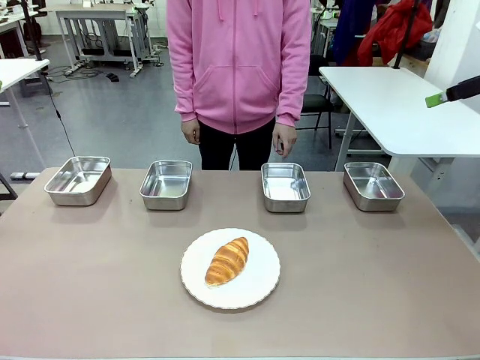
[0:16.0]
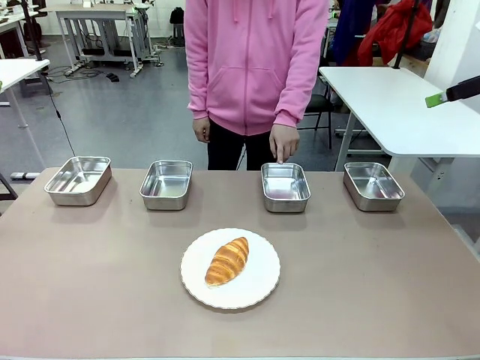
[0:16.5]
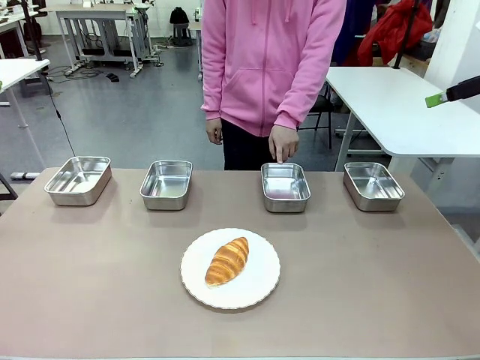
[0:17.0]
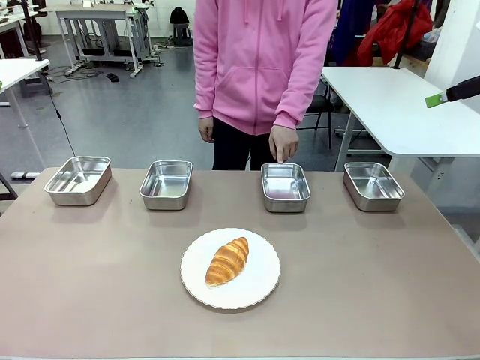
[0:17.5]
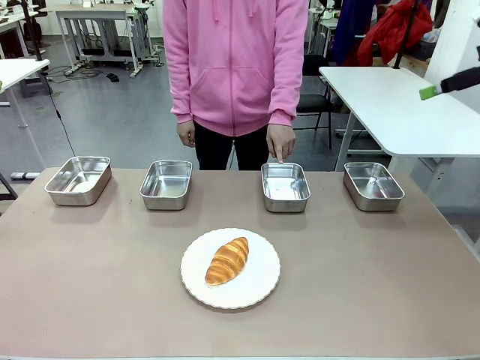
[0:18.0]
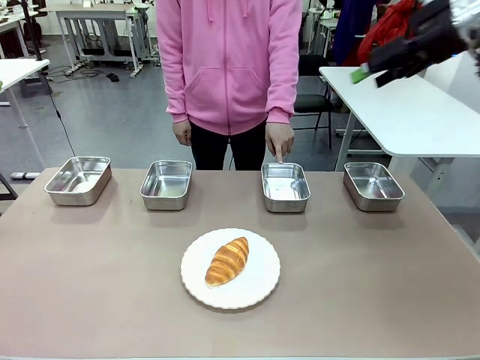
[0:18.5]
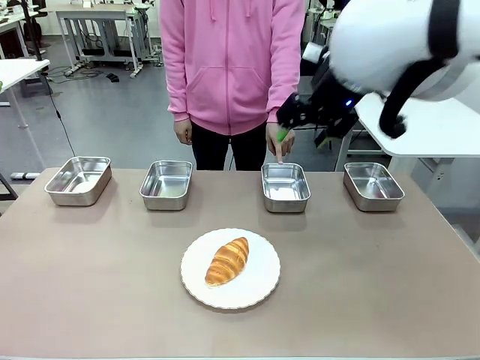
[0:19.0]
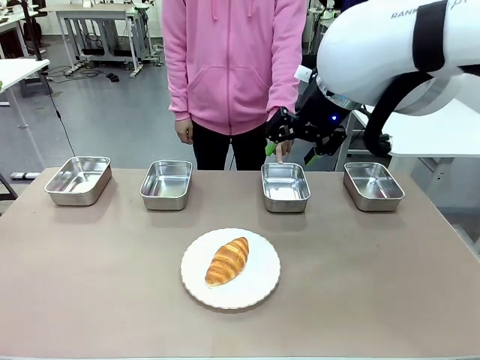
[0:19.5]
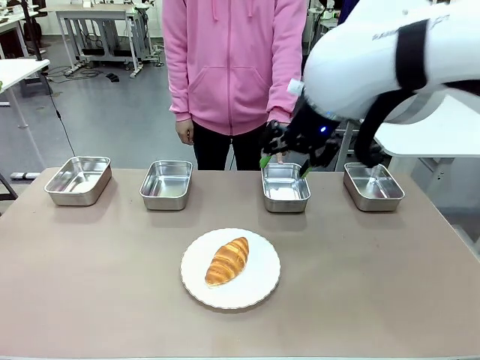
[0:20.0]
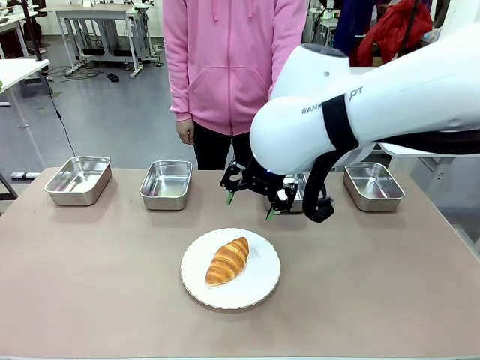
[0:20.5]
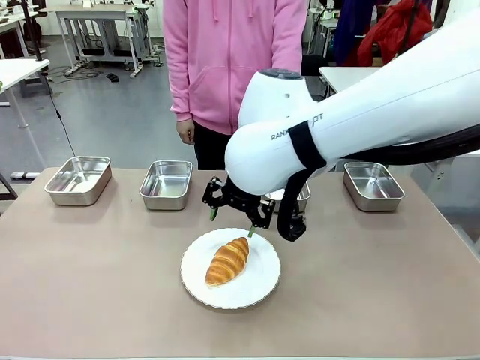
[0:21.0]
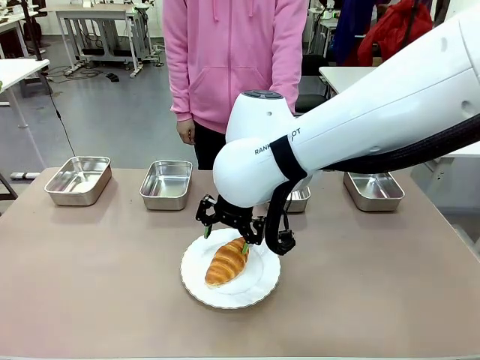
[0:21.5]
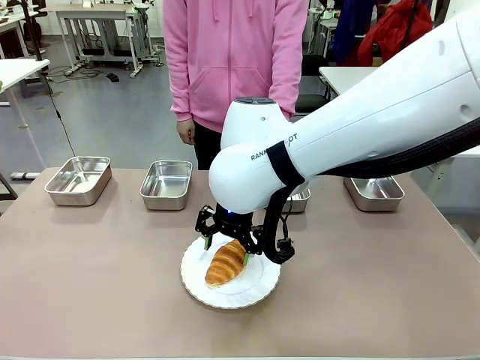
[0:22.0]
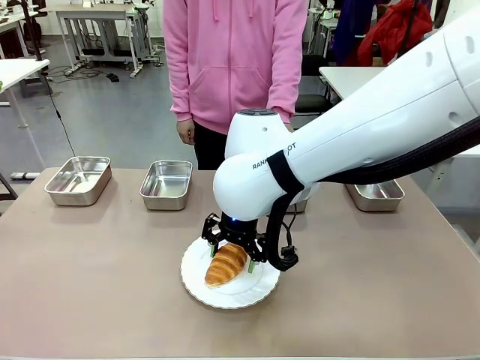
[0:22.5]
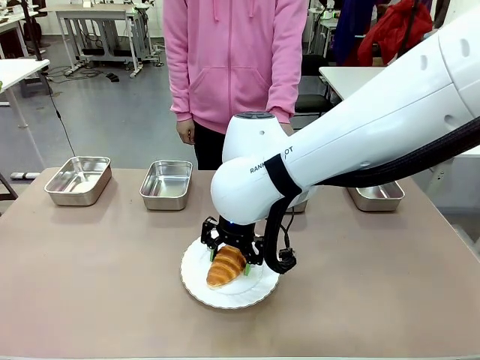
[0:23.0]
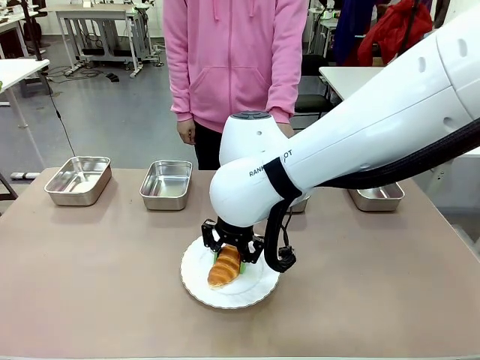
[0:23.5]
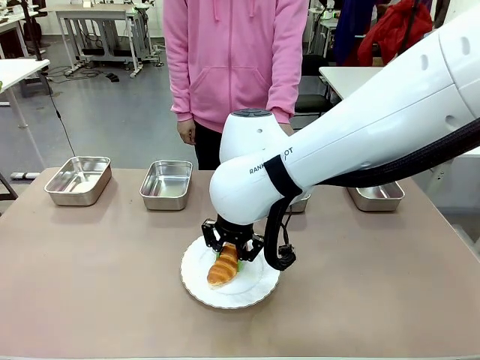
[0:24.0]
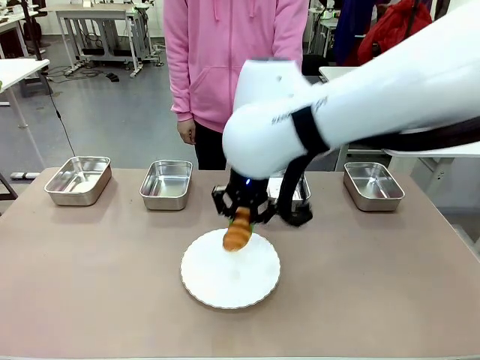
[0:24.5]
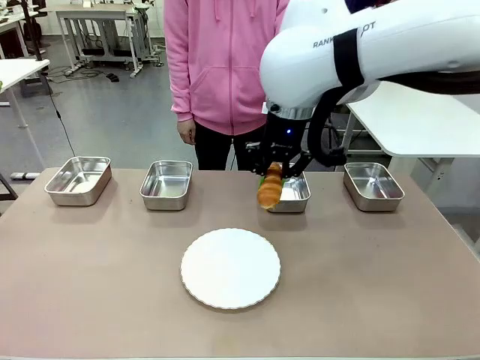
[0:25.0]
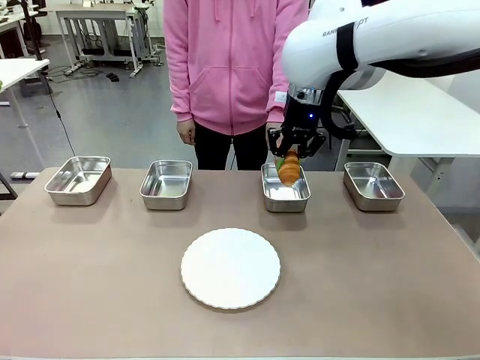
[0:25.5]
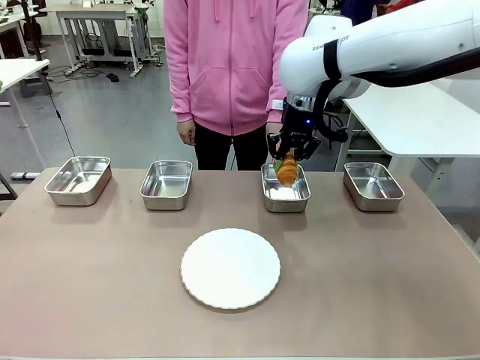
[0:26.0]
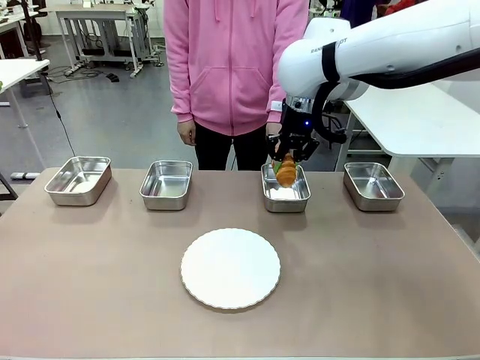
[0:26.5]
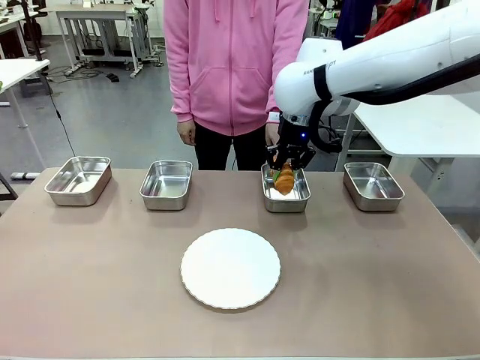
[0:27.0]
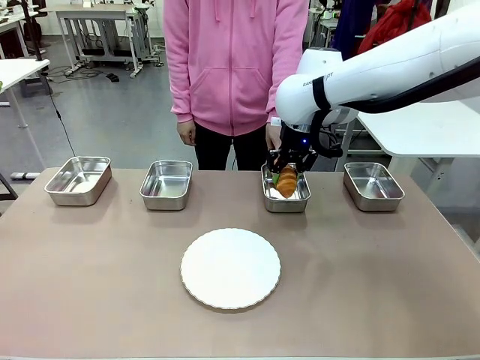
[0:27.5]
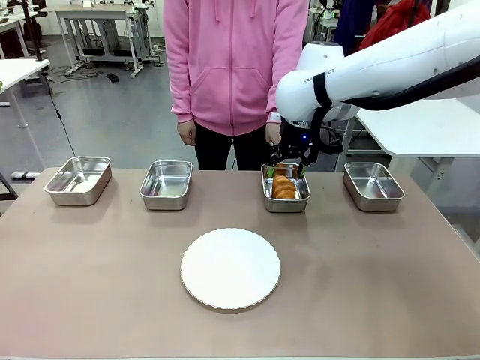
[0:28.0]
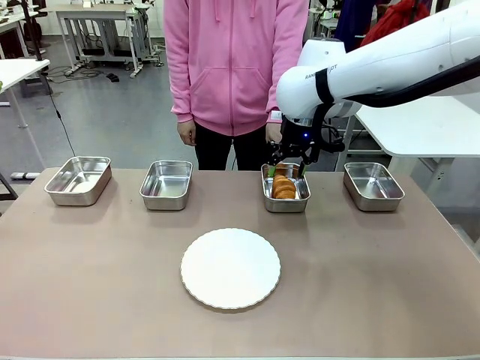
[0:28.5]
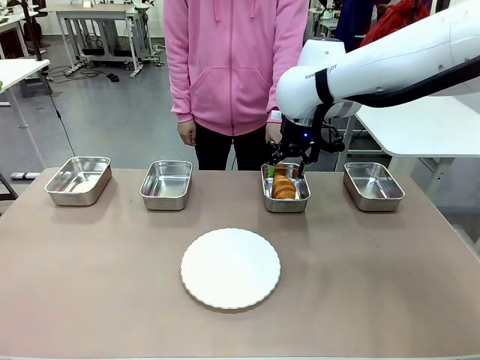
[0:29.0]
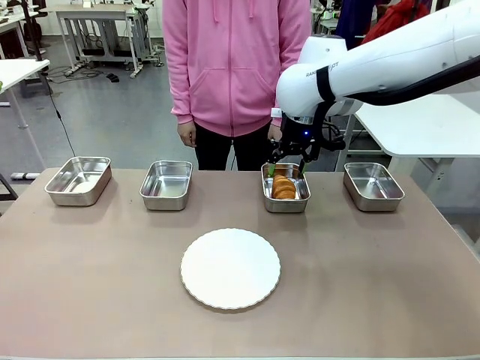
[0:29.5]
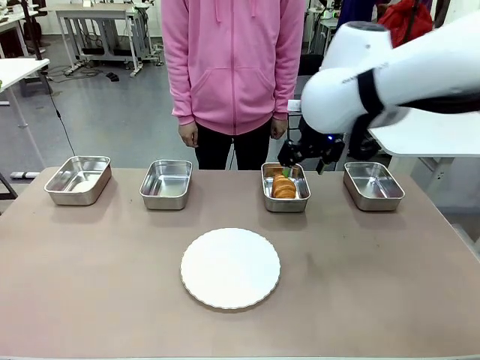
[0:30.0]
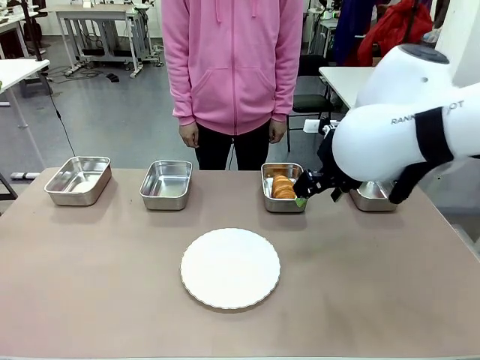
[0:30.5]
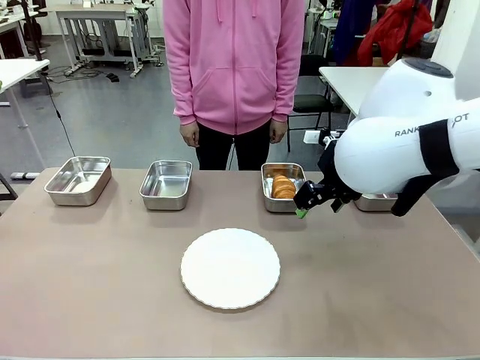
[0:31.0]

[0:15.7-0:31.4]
Task: Place the bread in the container.
Robot: Place the Butter Roll into the Airtight Container indicated by the human.

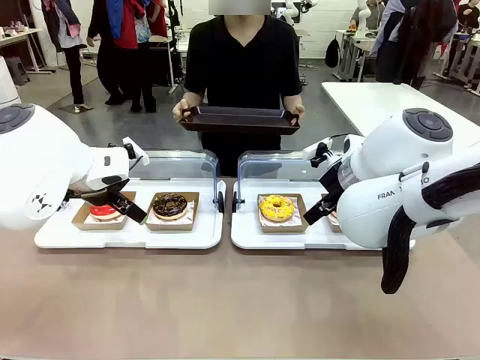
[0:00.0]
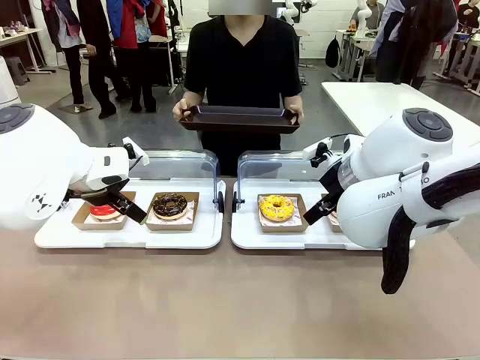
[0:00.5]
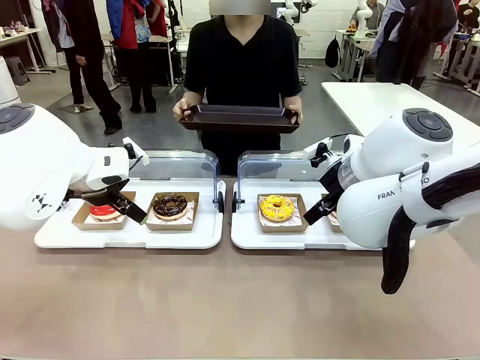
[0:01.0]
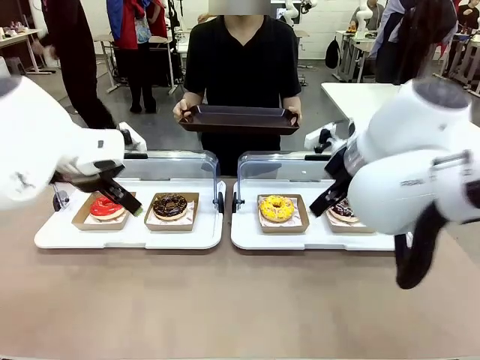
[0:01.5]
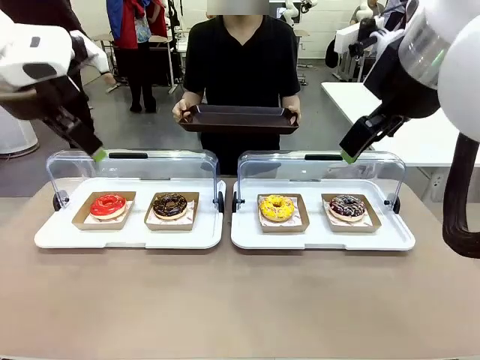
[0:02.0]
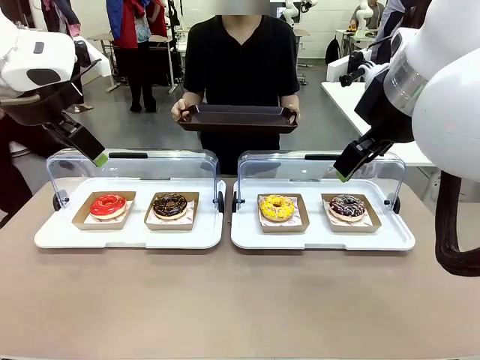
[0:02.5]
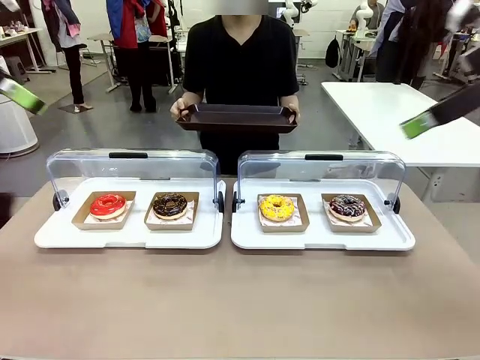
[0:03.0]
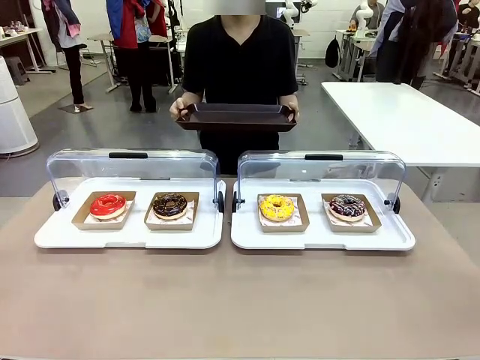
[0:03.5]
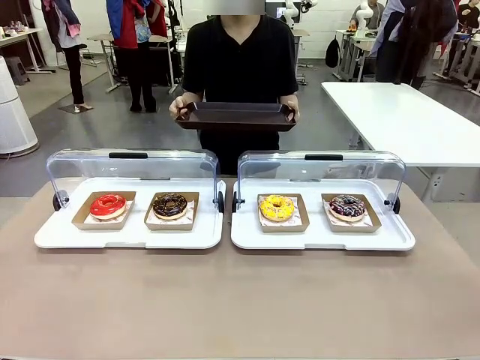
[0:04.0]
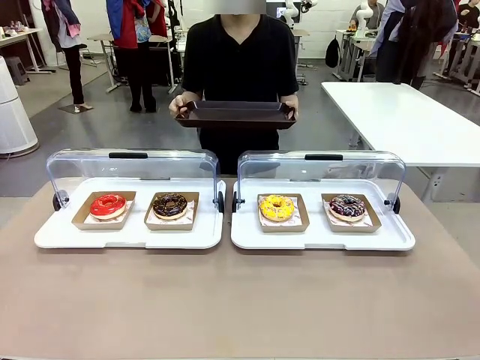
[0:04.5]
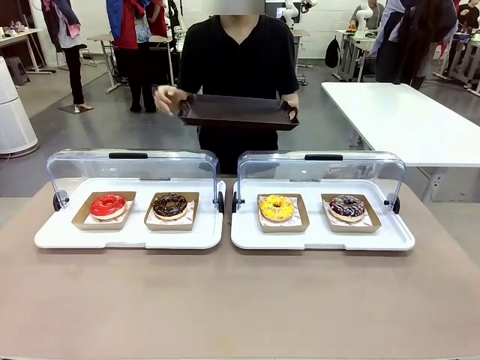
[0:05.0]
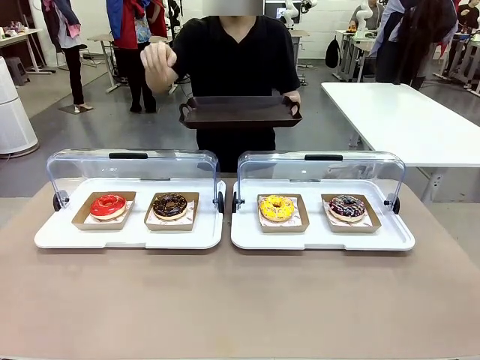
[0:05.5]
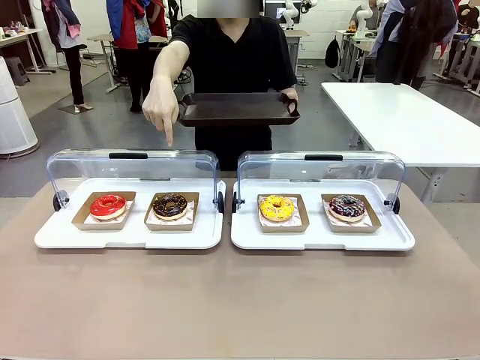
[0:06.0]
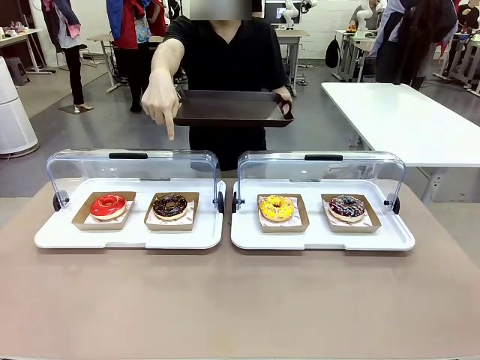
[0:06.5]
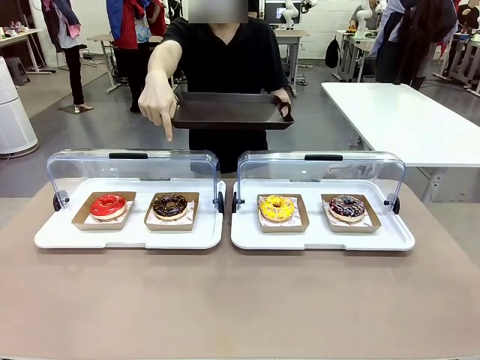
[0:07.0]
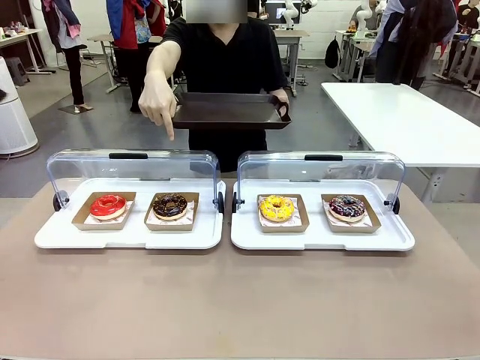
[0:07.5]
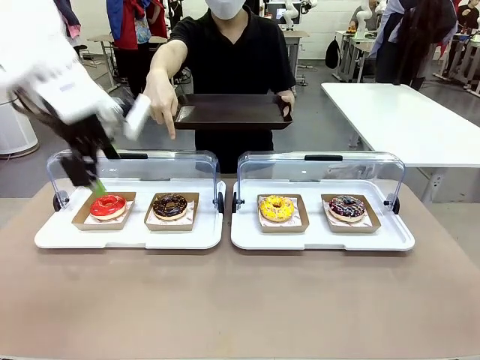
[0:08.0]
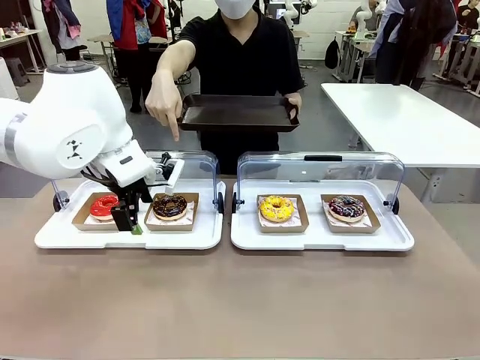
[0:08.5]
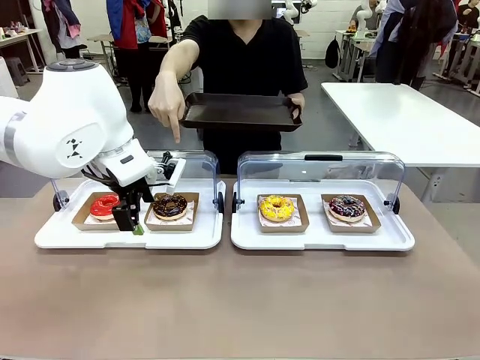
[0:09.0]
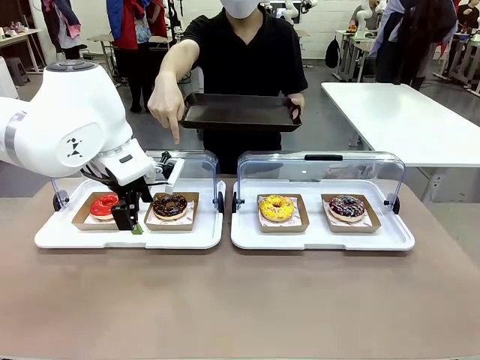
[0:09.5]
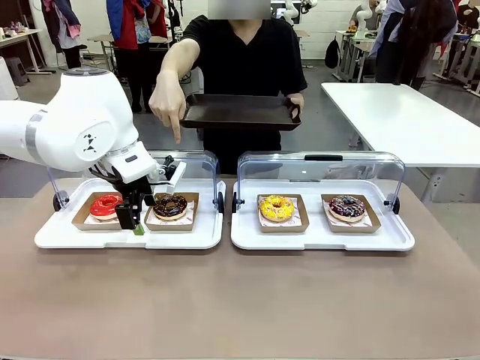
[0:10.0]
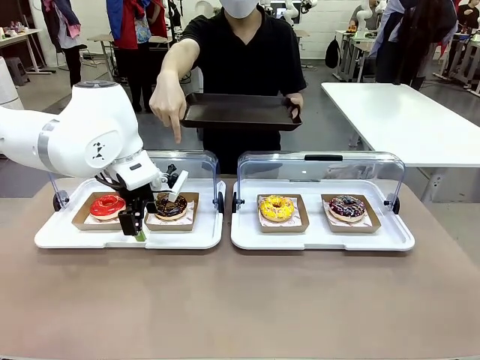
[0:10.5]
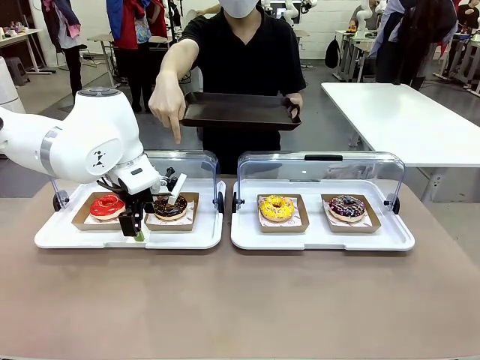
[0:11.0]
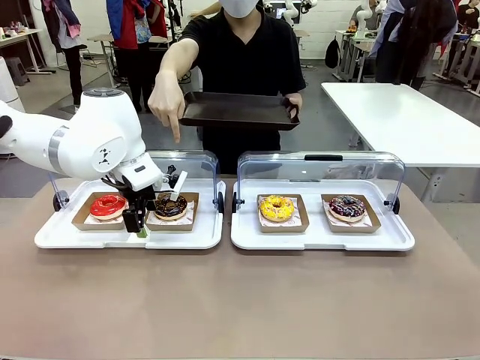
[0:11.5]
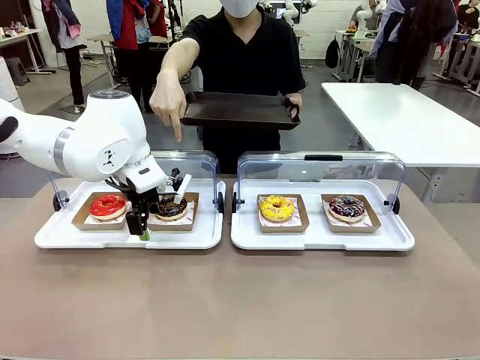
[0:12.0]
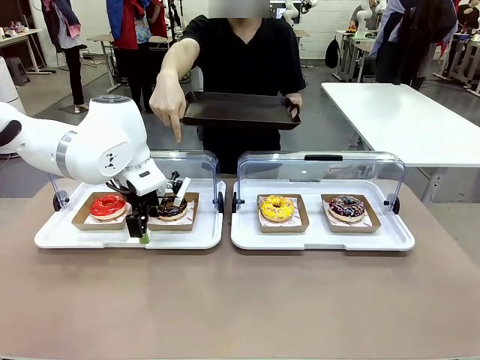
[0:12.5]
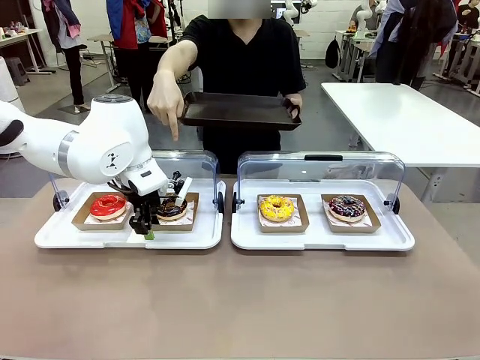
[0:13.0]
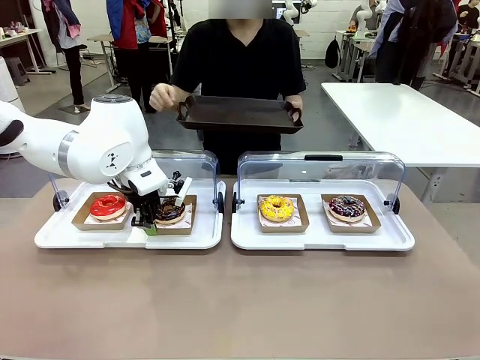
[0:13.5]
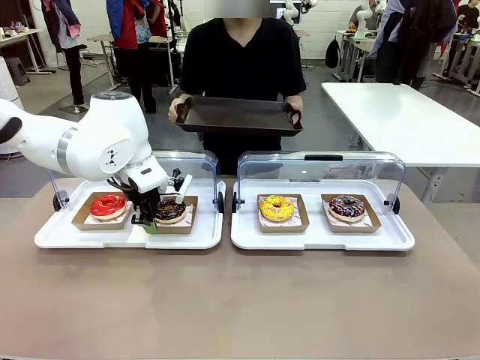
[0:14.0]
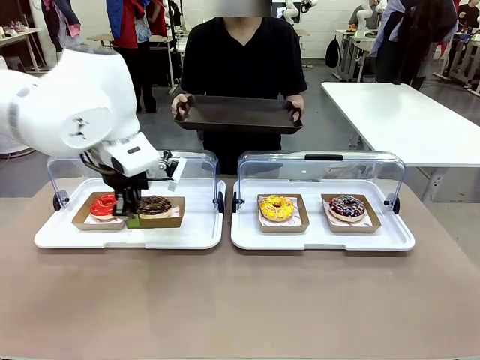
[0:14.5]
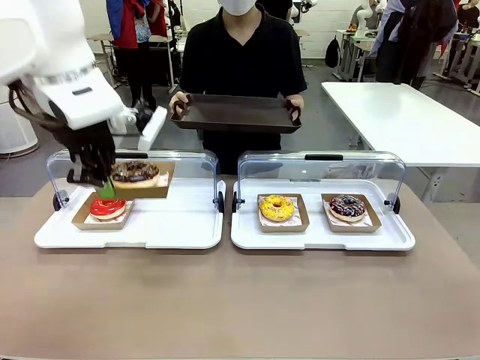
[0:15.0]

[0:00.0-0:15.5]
Task: Provide the desired donut to the person.
Robot: Pick up and lift the Paper togo box containing the Donut pointed at by the person.
Person: Point to one donut. Lift the tray onto the Roll-Top Bakery Case.
